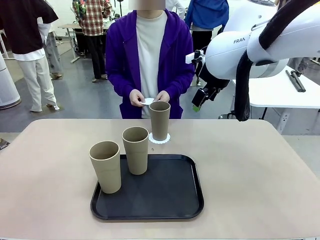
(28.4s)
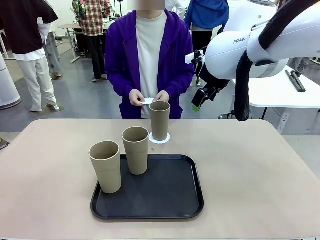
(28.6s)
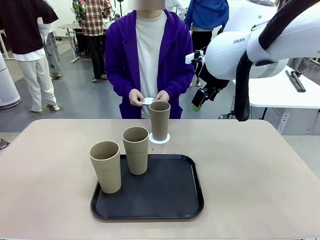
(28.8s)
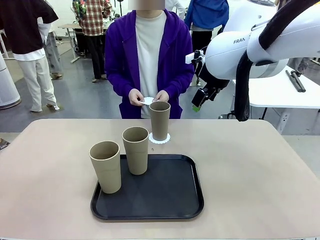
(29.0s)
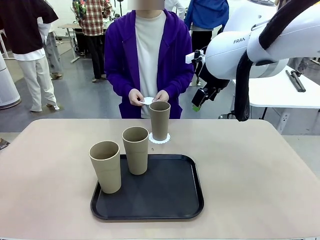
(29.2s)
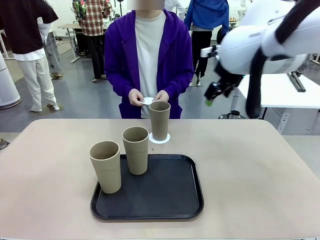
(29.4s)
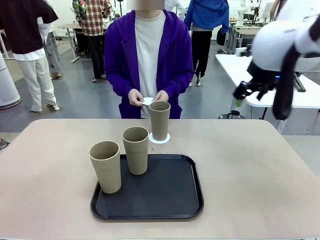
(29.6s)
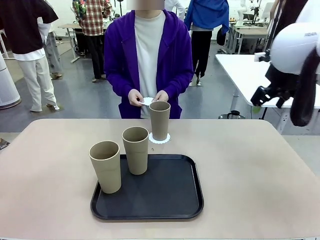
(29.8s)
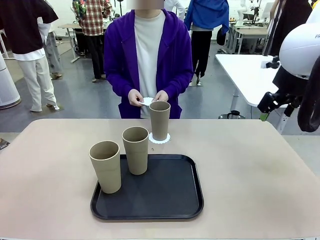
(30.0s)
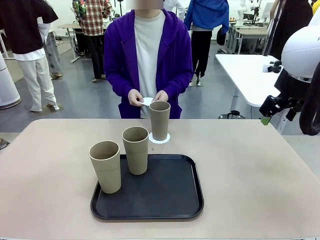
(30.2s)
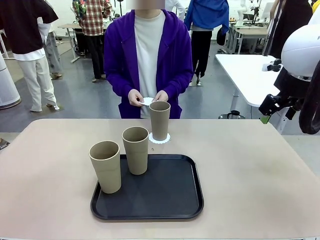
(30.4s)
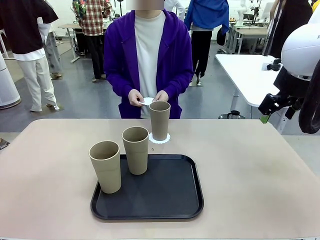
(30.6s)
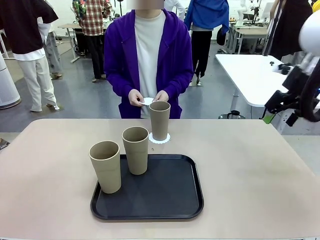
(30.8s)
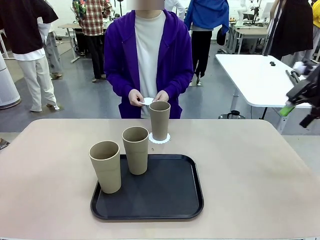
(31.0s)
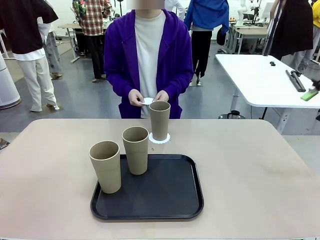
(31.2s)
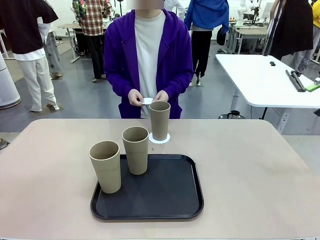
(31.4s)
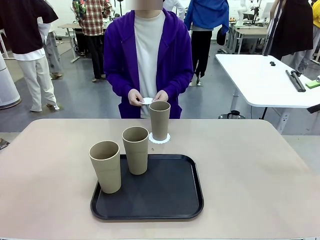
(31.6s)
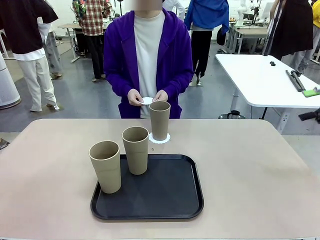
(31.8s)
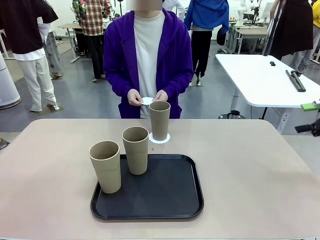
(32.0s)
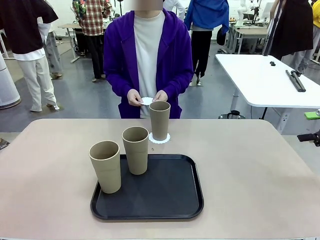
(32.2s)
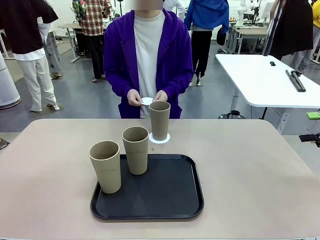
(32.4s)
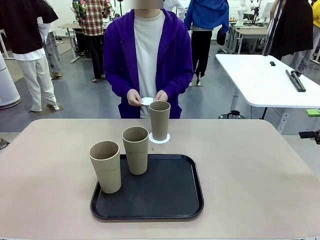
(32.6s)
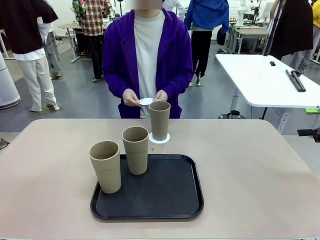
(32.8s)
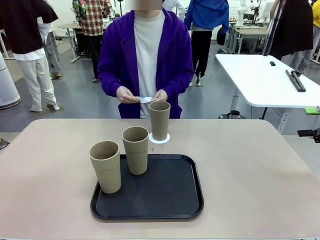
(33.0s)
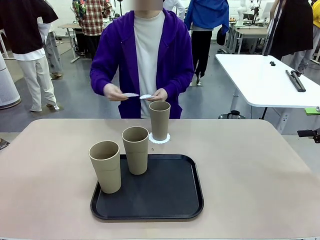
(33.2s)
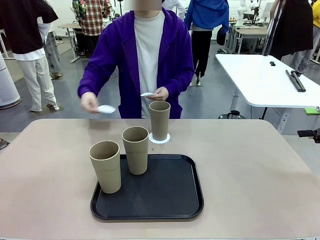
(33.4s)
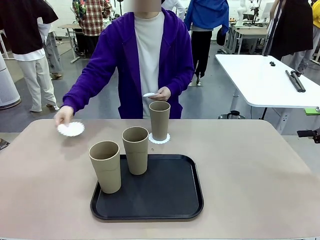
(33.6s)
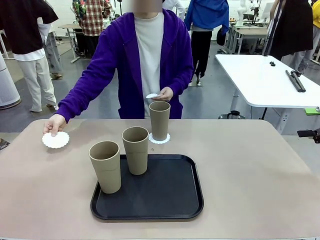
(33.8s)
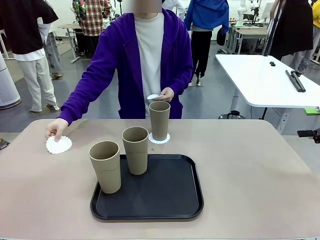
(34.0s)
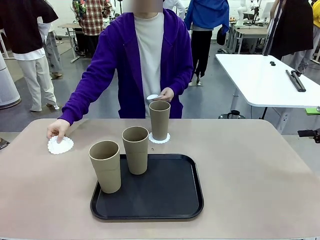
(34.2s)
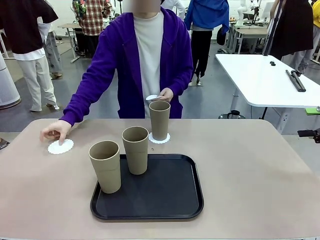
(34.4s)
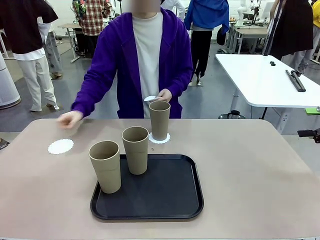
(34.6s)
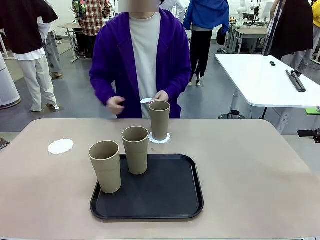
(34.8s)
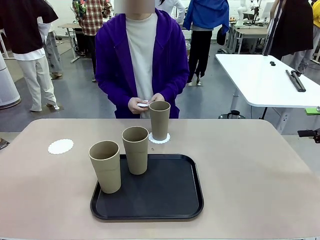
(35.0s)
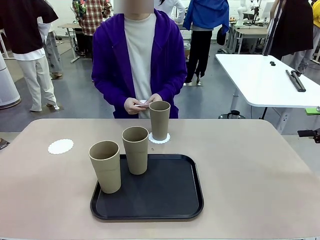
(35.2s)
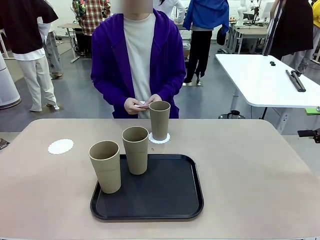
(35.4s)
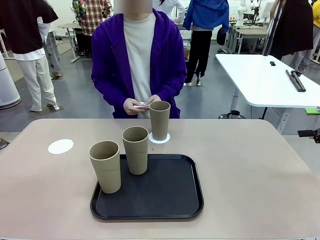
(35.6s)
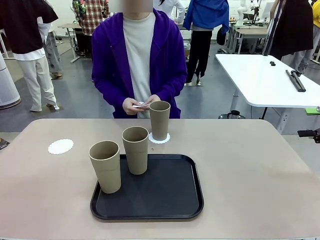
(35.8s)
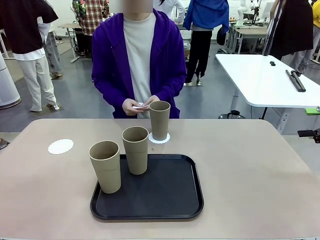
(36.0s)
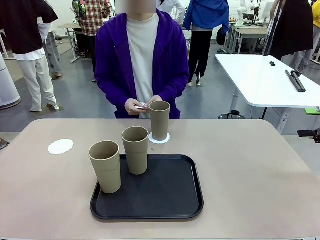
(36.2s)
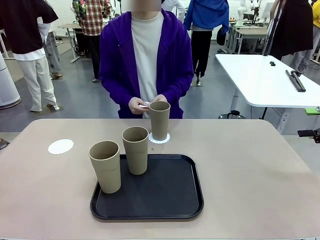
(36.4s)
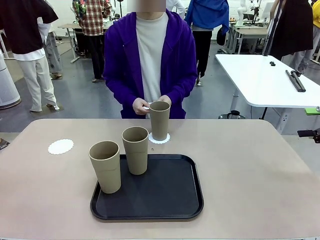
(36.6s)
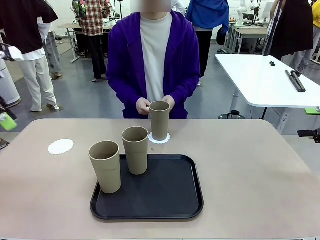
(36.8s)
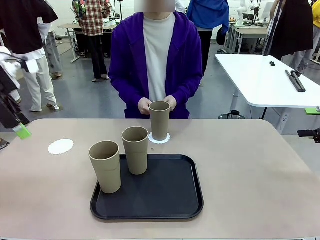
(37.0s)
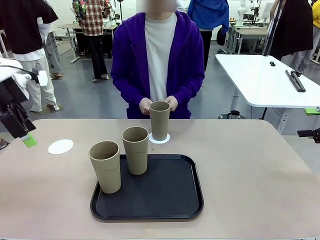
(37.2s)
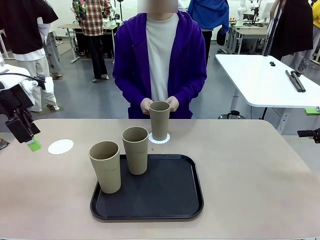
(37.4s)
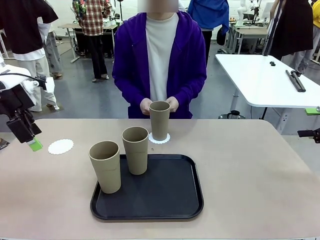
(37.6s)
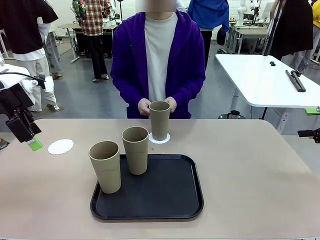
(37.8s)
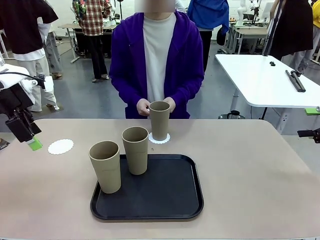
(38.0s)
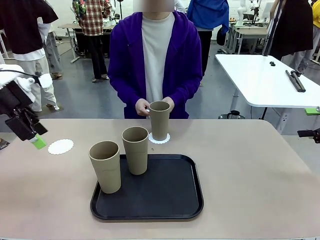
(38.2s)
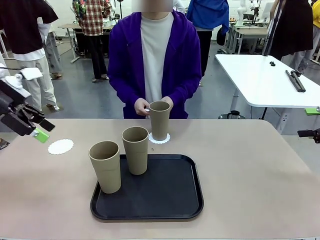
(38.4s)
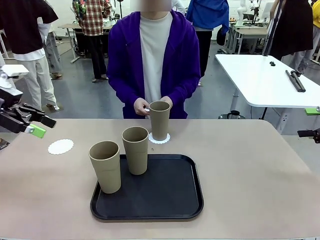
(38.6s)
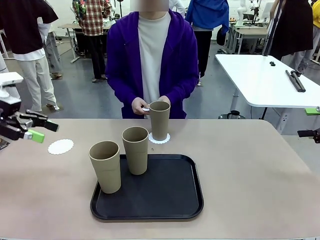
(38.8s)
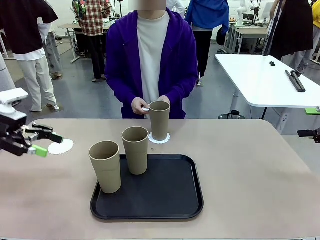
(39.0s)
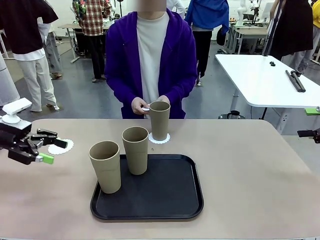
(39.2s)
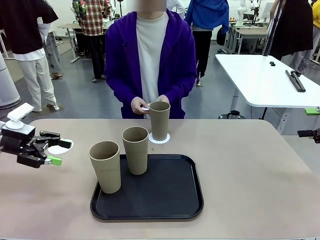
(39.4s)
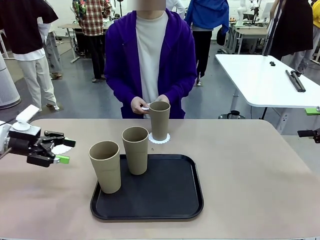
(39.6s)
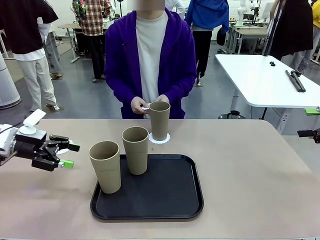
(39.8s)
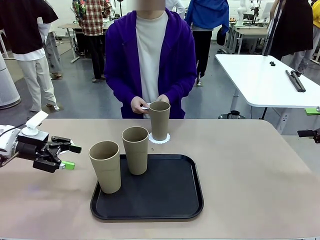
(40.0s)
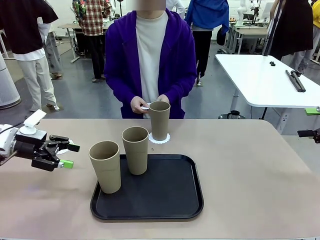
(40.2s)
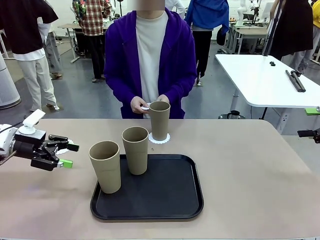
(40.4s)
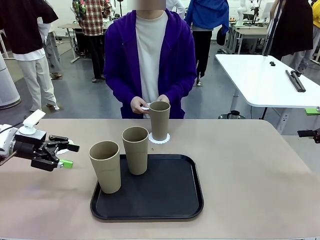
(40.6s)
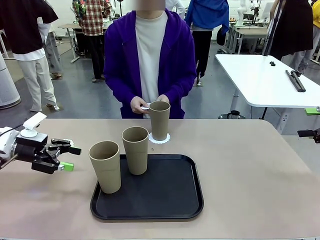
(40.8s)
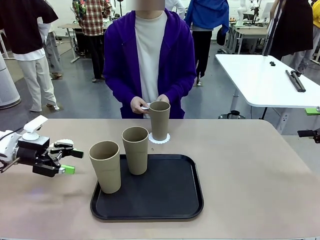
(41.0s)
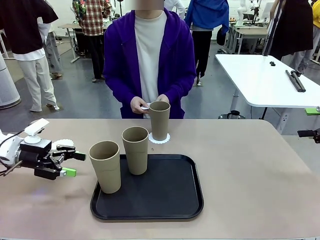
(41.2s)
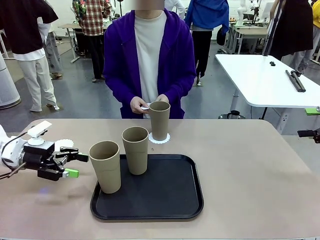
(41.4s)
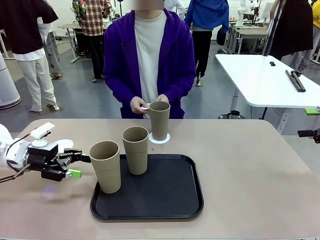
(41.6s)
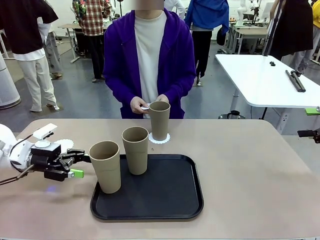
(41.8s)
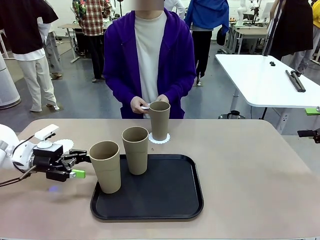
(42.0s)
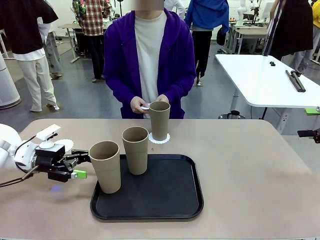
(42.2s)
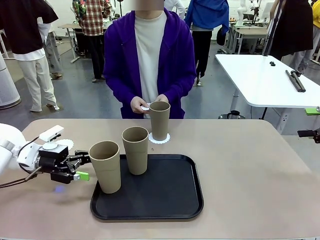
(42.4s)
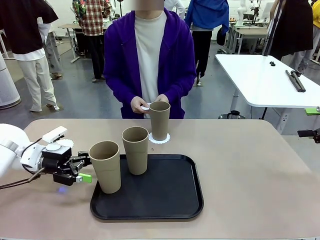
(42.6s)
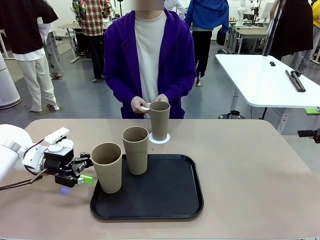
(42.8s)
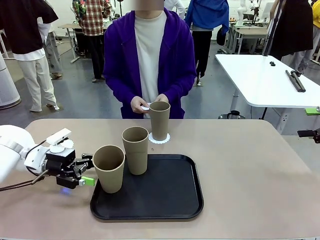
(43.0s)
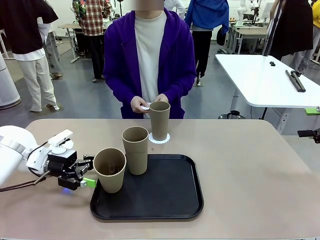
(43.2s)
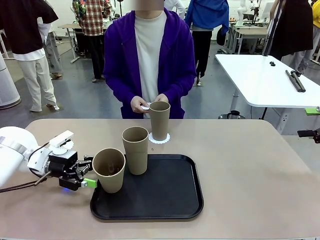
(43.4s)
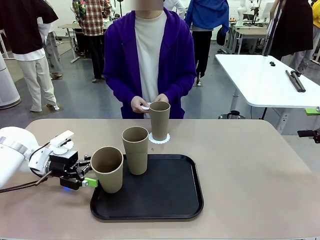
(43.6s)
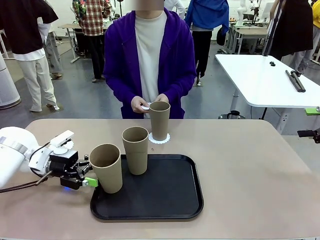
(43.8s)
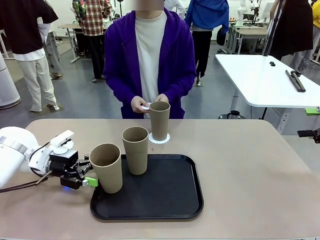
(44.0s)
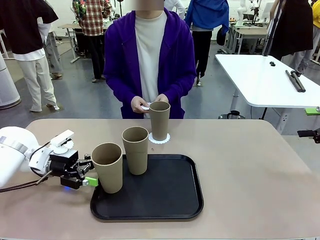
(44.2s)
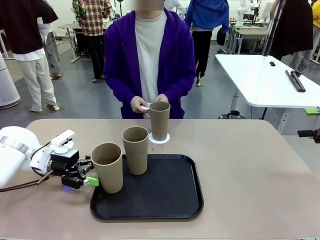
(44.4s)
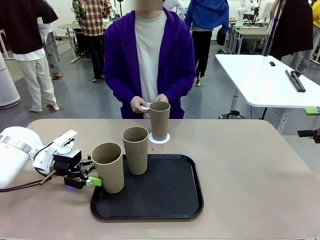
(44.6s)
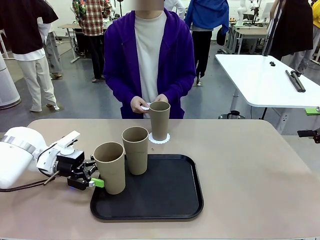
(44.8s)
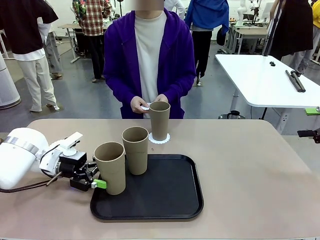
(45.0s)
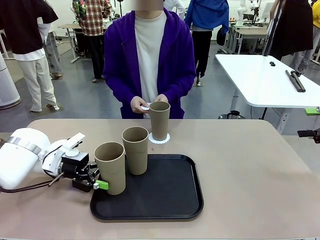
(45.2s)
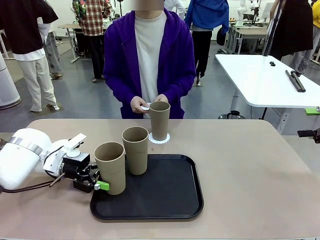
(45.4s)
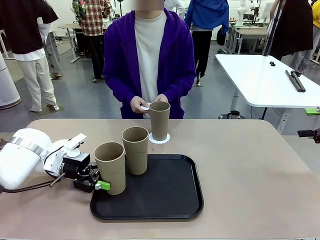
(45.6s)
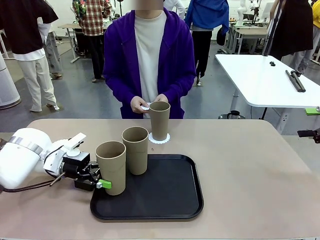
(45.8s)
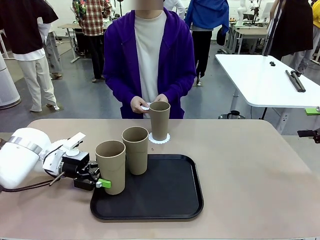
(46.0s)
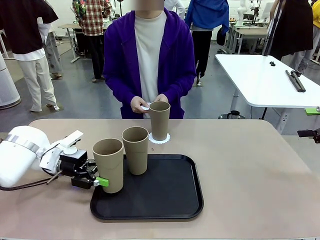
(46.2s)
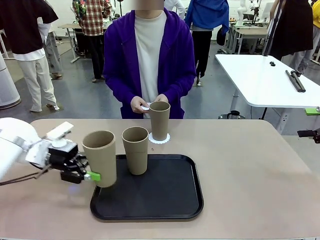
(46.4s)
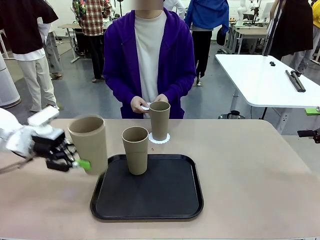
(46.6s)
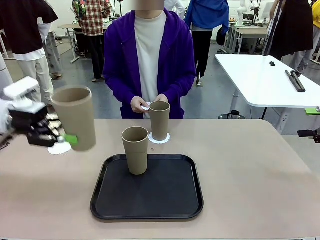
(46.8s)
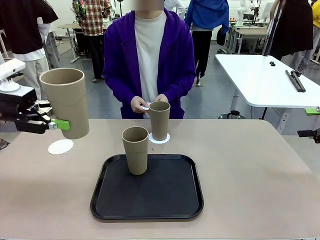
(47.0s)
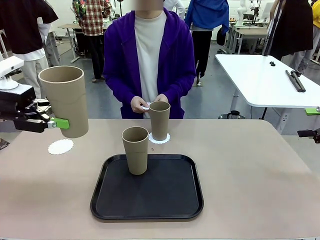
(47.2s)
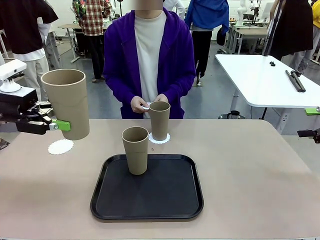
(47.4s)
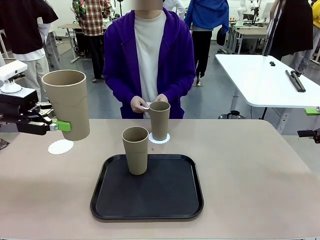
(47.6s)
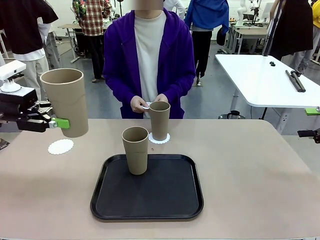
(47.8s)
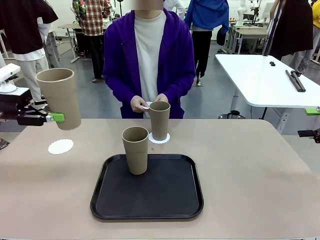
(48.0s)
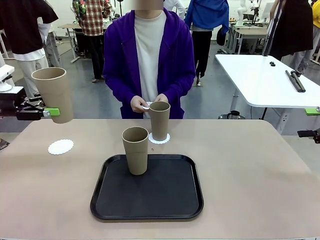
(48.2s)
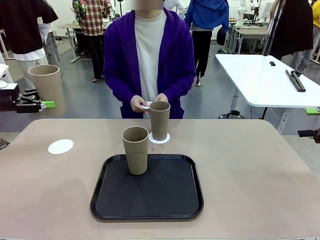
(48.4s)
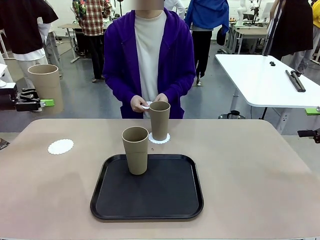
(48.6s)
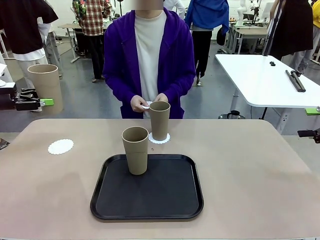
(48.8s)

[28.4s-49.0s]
Task: Place coasters on the table and set cups on them.
Robot: Take one Reusable plastic cup from the Flat Tray and place it on a coaster set by the human.
